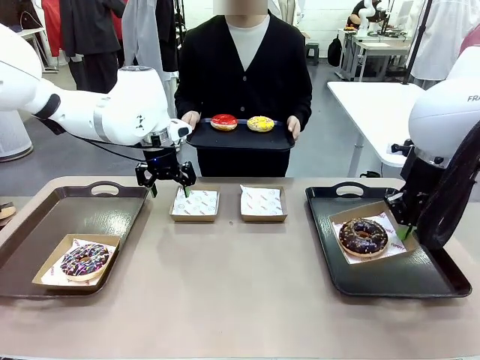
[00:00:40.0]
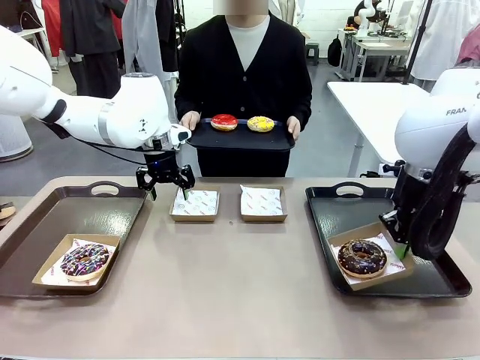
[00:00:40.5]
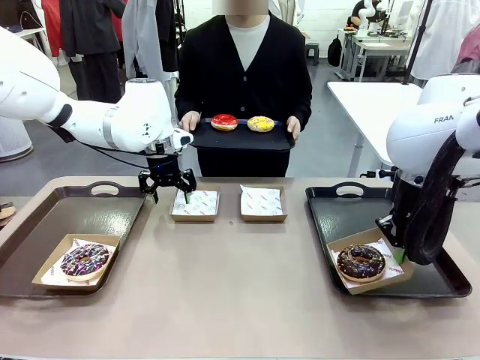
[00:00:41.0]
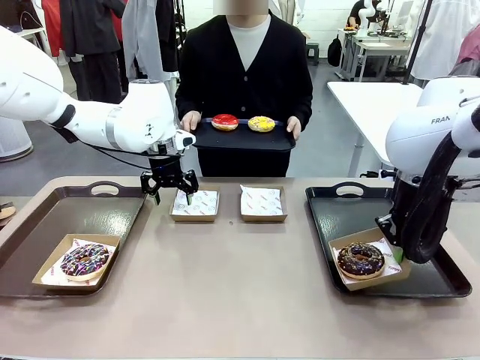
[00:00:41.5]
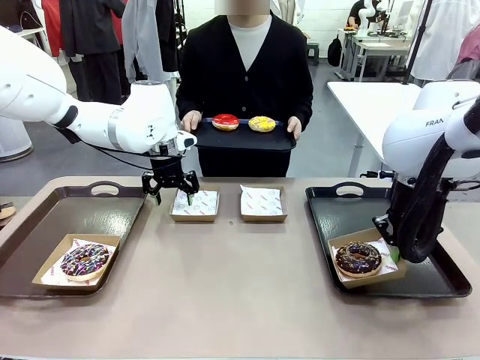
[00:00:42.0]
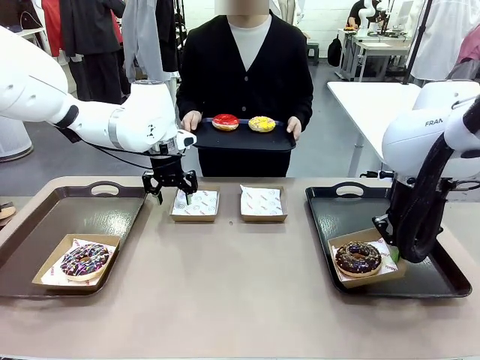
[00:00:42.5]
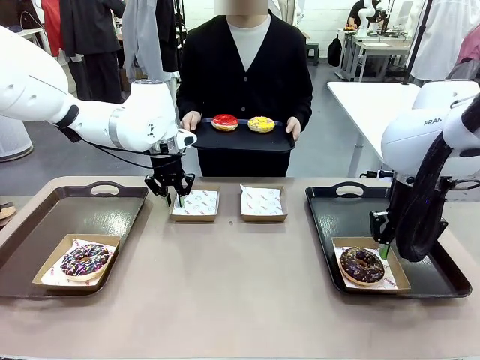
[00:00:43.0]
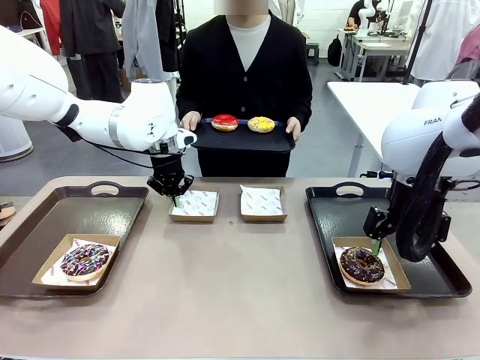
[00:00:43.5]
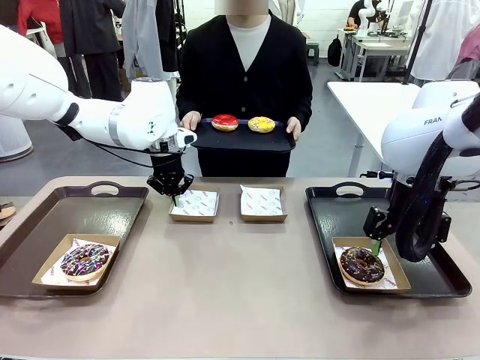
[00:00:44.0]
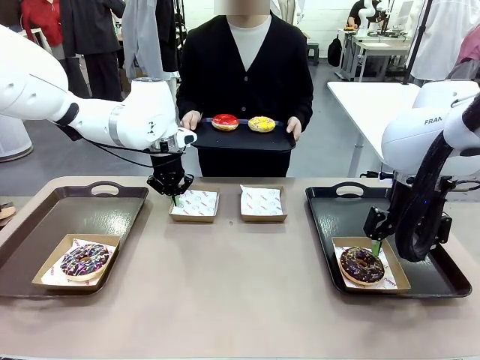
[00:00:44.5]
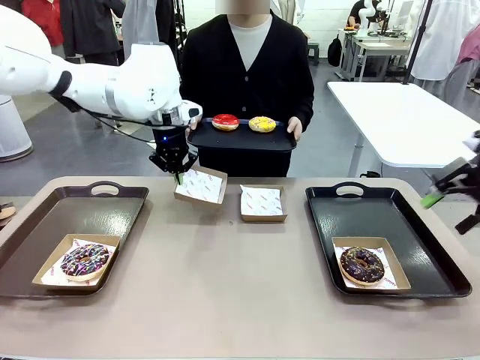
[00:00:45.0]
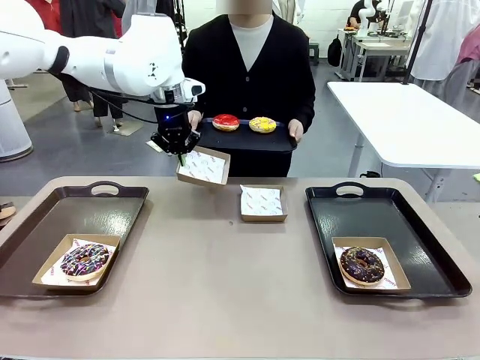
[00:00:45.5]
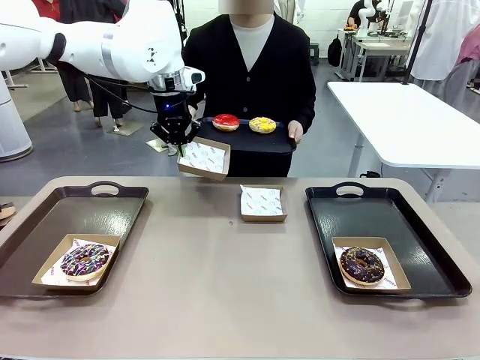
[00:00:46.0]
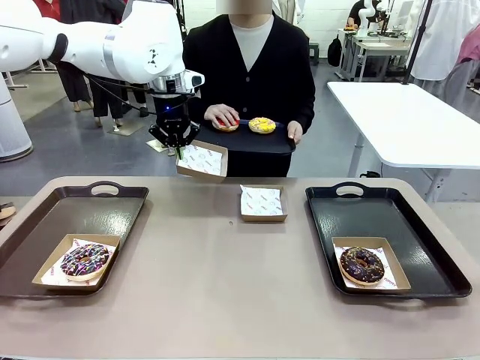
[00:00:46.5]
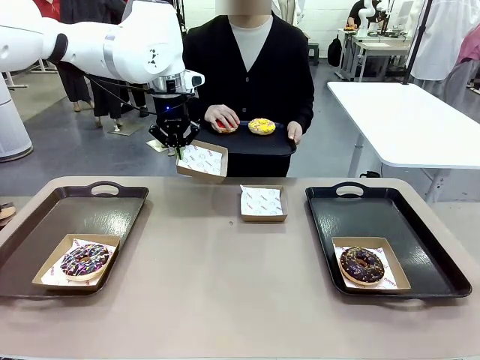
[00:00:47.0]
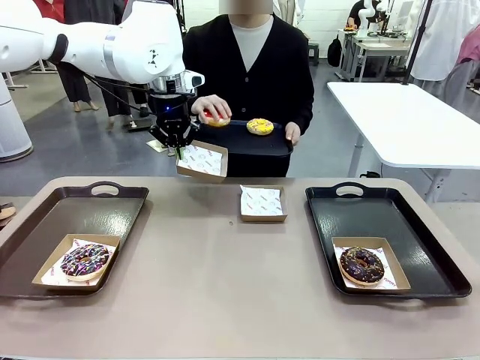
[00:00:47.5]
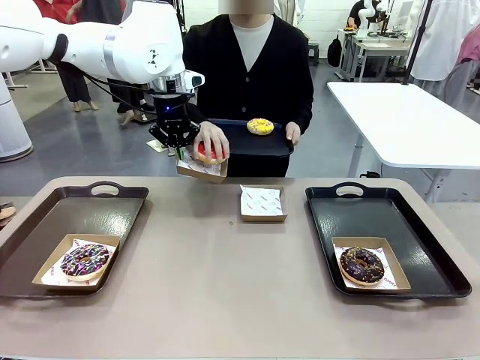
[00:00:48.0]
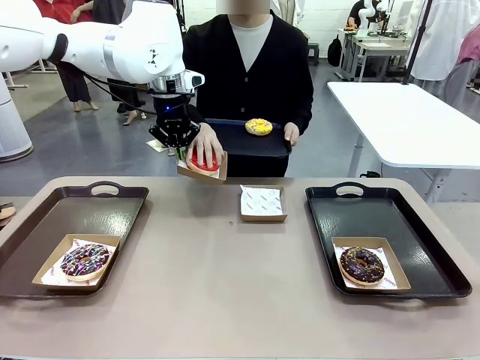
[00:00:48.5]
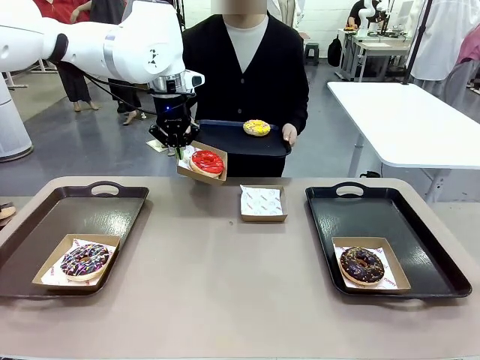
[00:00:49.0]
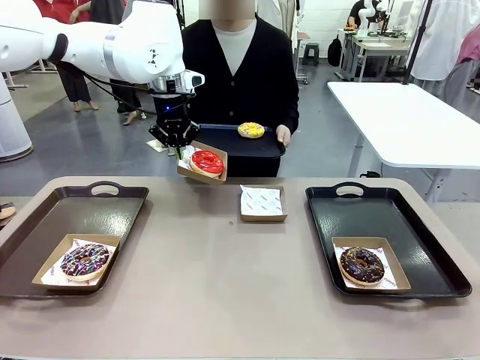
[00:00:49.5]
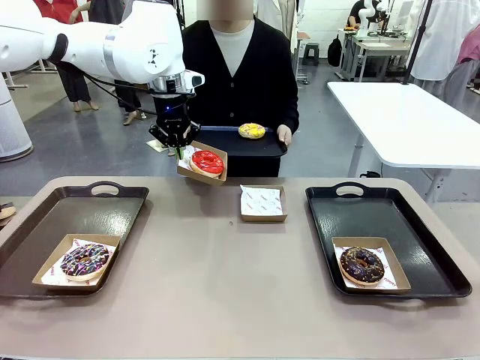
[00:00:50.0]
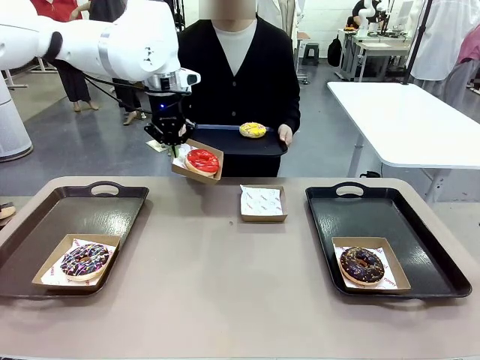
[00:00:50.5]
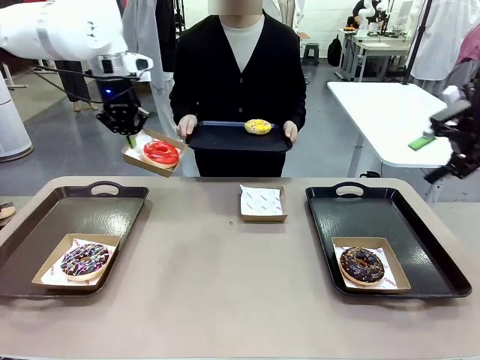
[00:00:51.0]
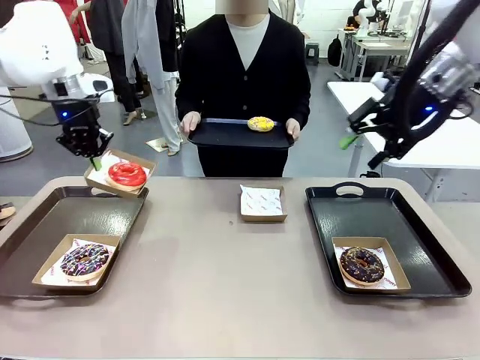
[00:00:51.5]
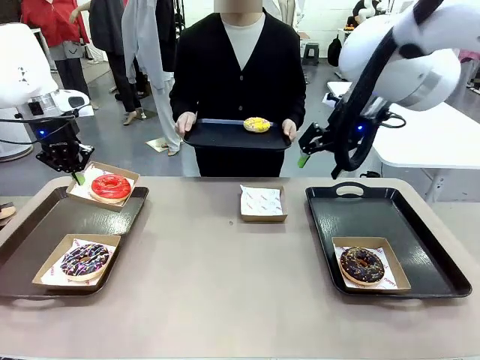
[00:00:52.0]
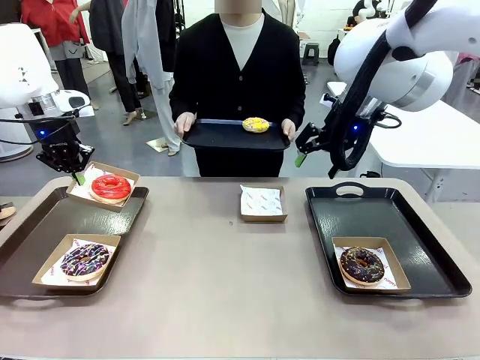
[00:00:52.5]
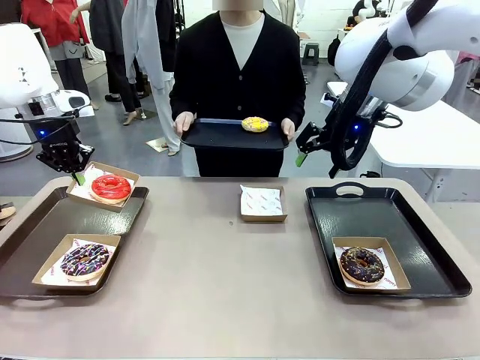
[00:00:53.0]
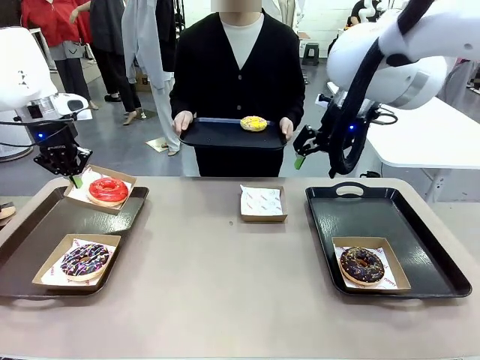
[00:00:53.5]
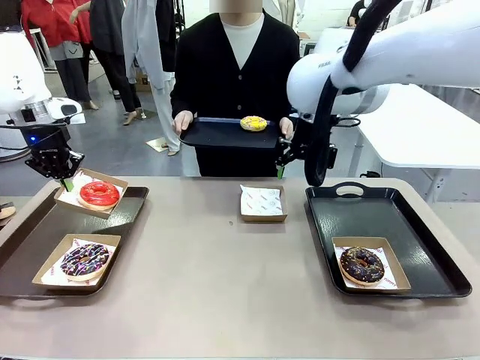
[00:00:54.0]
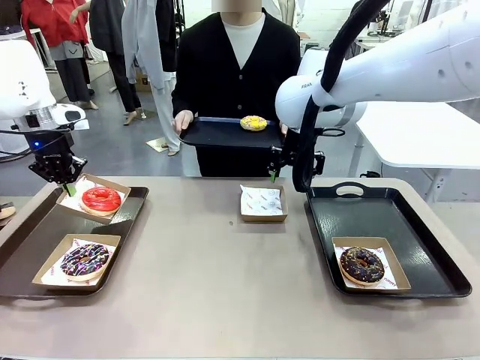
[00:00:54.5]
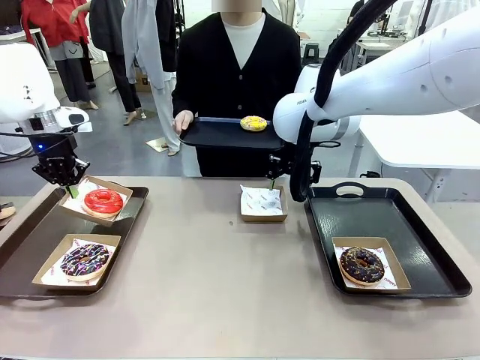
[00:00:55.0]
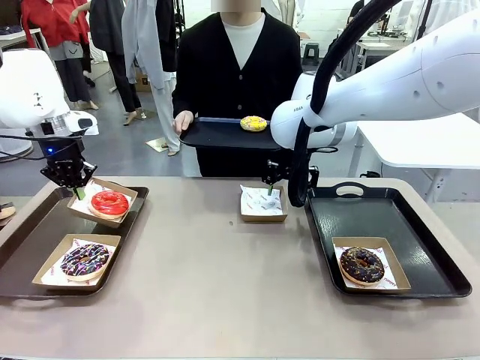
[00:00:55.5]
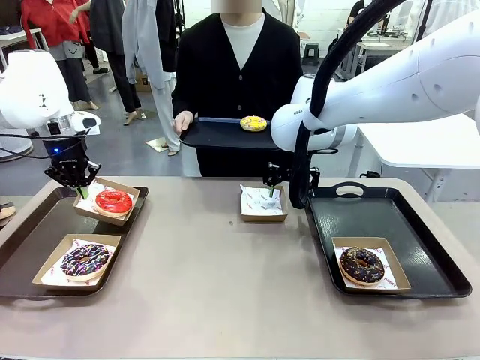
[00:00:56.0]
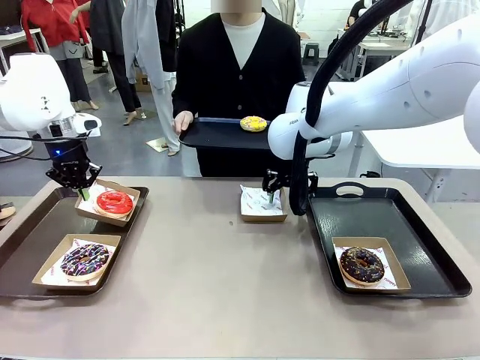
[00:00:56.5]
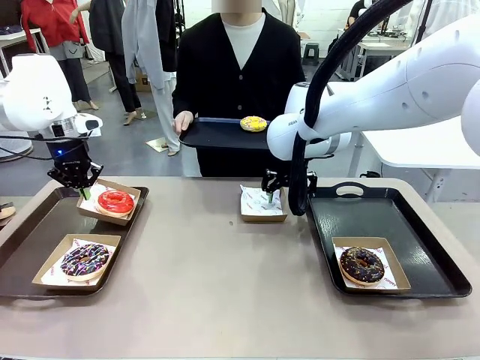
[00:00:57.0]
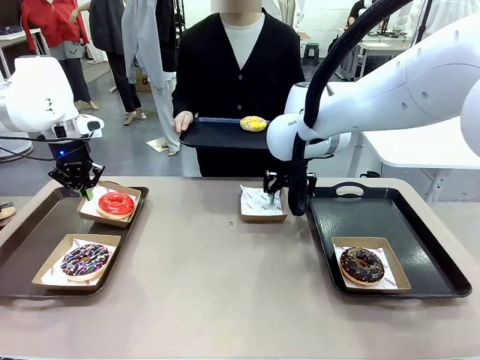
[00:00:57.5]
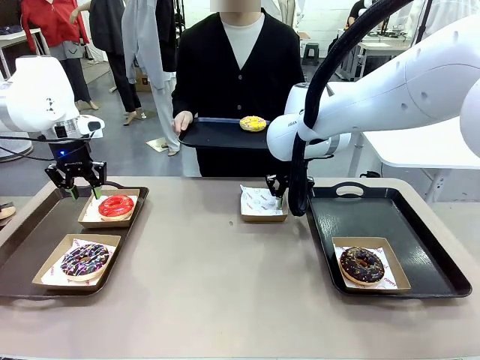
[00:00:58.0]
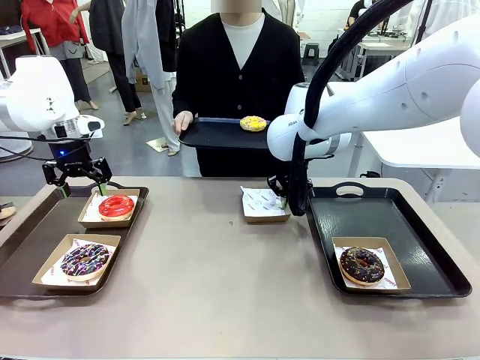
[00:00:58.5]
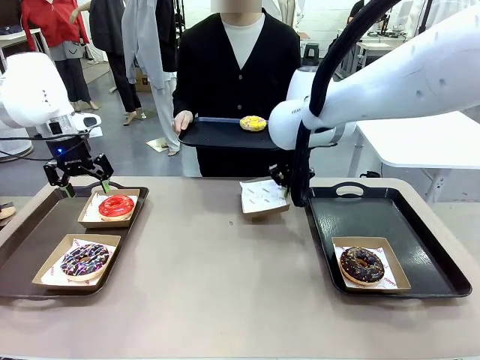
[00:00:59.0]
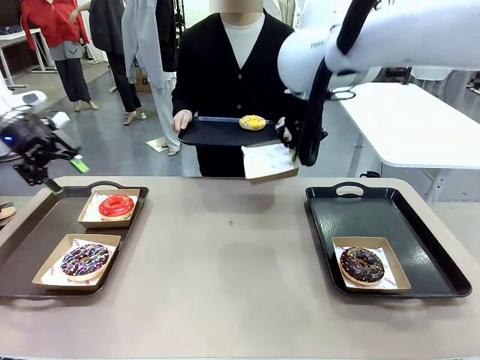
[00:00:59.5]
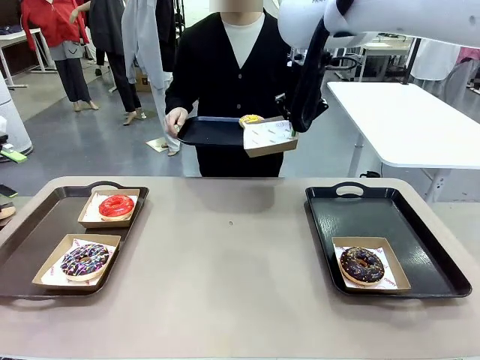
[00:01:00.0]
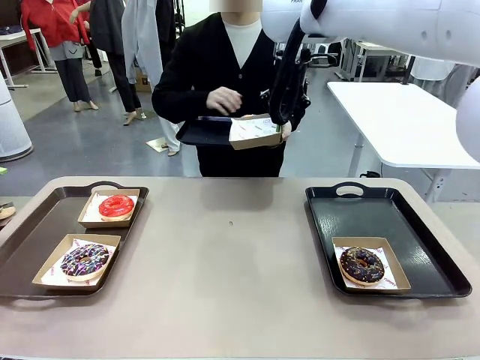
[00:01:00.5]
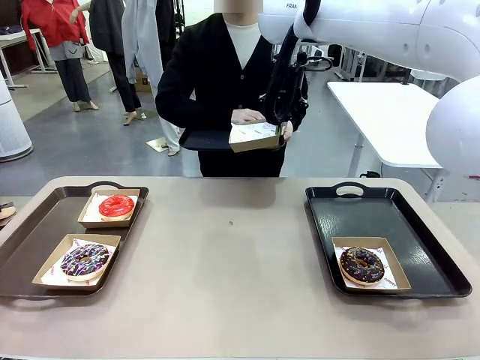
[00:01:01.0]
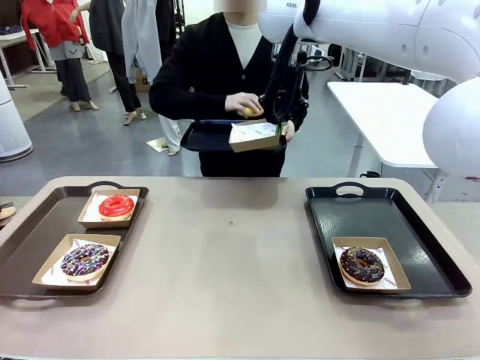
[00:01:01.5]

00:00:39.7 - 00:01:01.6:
Task: Individually package the donuts and arrange them on the tray.
Robot: Place the picked Paper togo box on the Handle tray while simultaneously picking up another Paper togo box from the table with the other hand.
